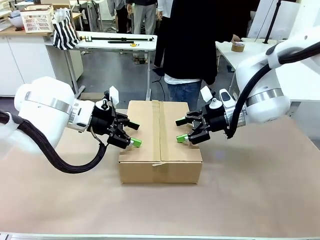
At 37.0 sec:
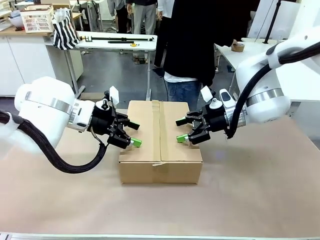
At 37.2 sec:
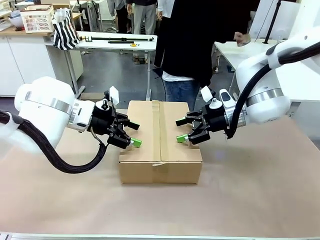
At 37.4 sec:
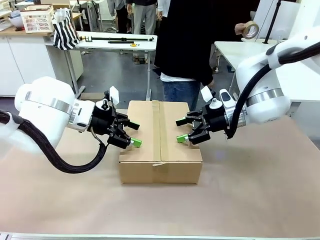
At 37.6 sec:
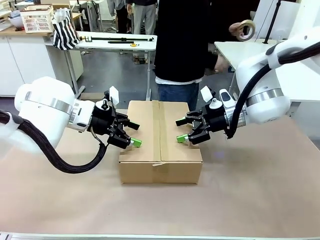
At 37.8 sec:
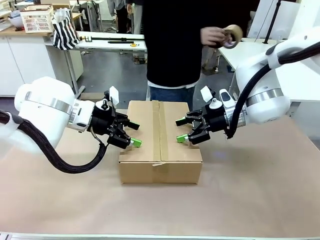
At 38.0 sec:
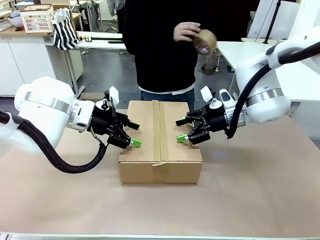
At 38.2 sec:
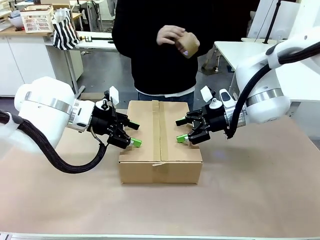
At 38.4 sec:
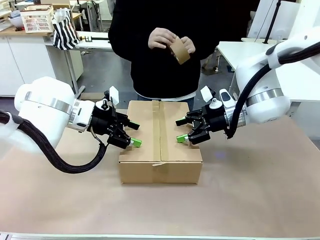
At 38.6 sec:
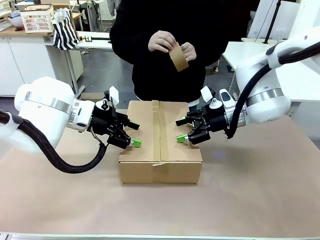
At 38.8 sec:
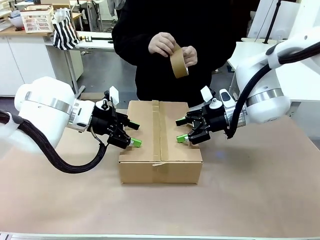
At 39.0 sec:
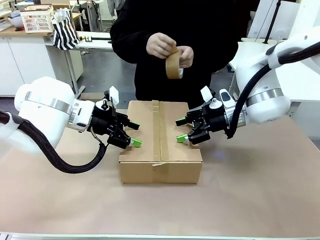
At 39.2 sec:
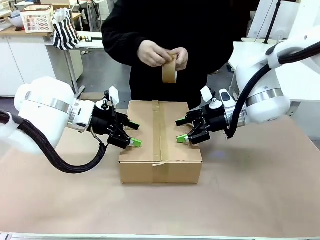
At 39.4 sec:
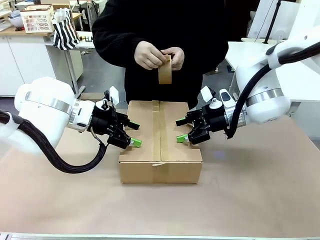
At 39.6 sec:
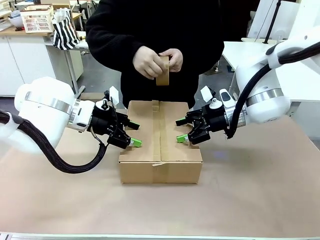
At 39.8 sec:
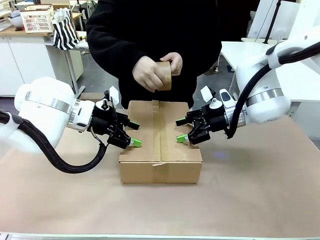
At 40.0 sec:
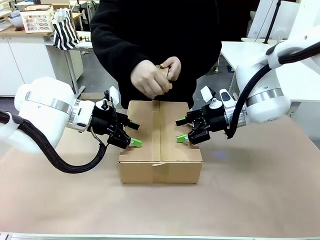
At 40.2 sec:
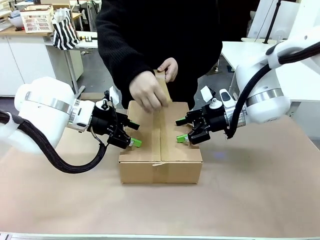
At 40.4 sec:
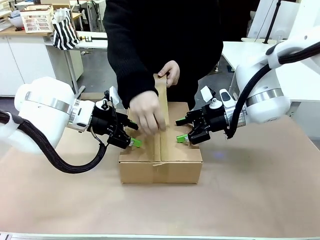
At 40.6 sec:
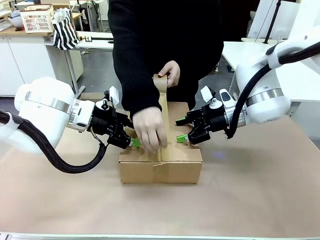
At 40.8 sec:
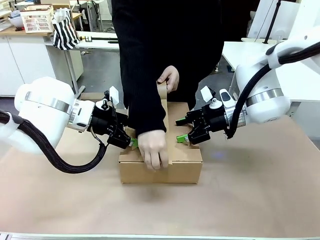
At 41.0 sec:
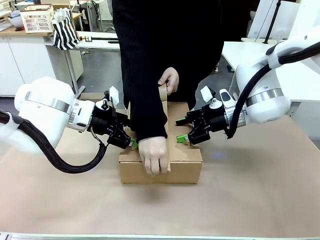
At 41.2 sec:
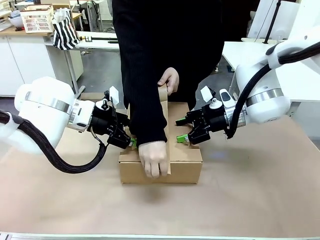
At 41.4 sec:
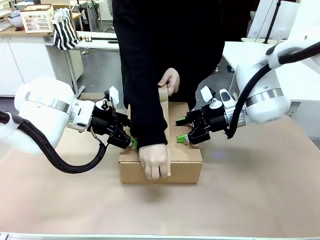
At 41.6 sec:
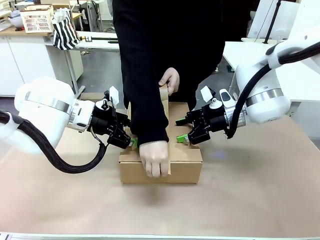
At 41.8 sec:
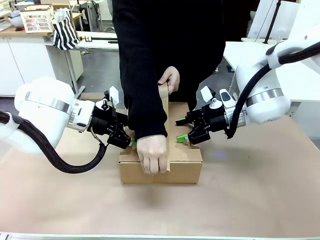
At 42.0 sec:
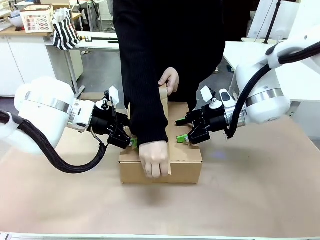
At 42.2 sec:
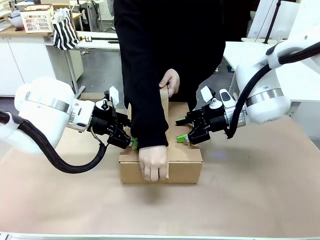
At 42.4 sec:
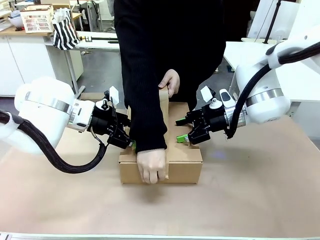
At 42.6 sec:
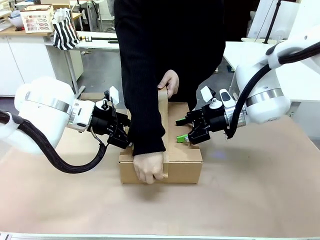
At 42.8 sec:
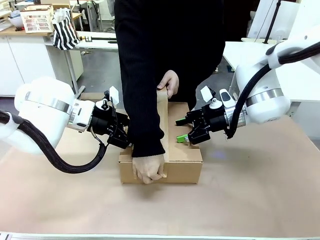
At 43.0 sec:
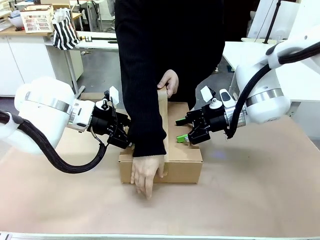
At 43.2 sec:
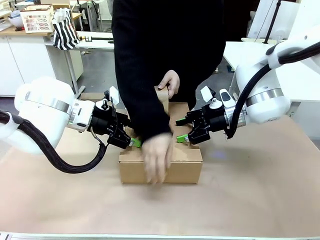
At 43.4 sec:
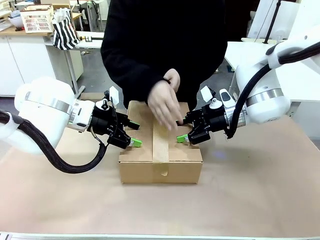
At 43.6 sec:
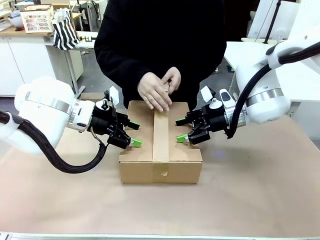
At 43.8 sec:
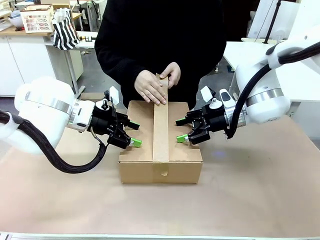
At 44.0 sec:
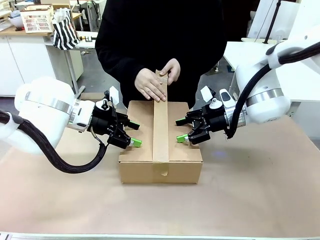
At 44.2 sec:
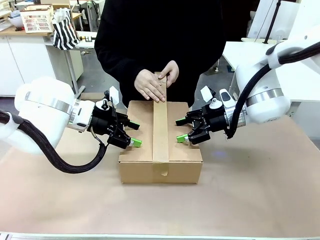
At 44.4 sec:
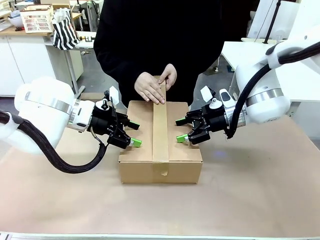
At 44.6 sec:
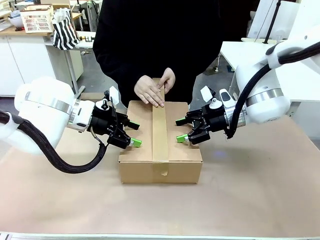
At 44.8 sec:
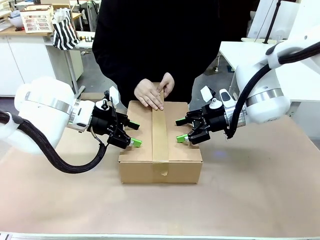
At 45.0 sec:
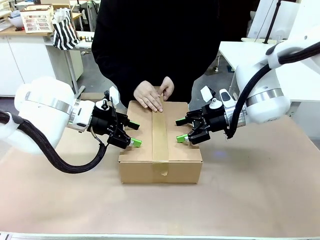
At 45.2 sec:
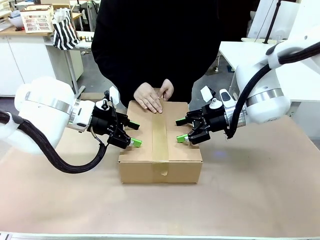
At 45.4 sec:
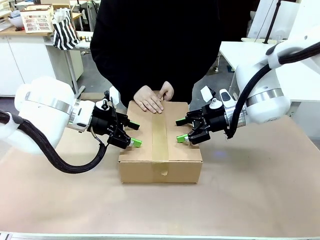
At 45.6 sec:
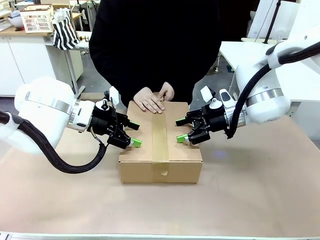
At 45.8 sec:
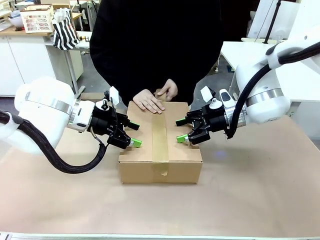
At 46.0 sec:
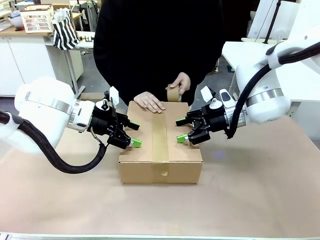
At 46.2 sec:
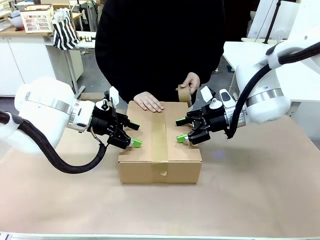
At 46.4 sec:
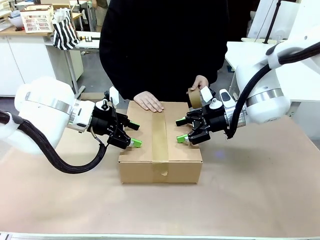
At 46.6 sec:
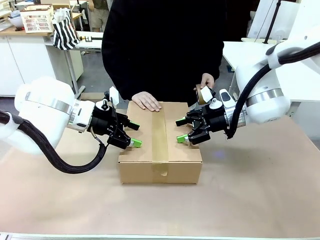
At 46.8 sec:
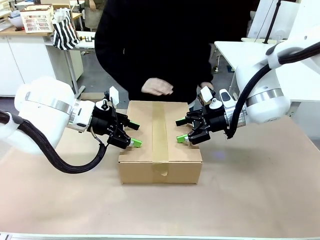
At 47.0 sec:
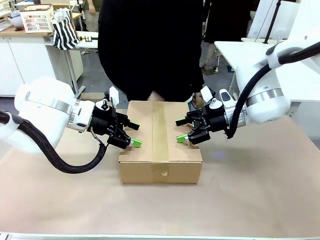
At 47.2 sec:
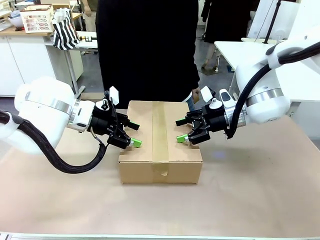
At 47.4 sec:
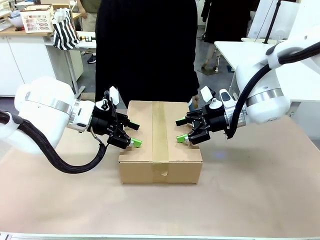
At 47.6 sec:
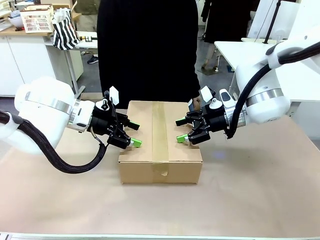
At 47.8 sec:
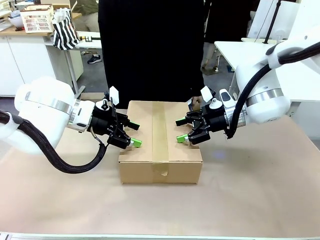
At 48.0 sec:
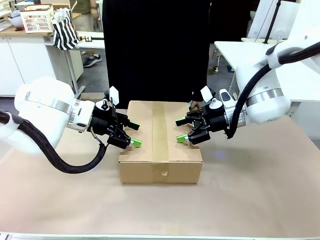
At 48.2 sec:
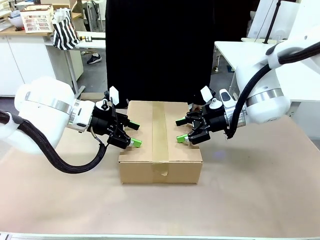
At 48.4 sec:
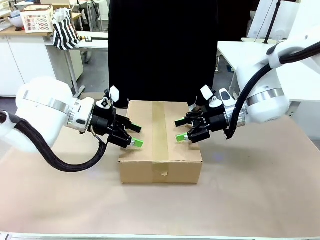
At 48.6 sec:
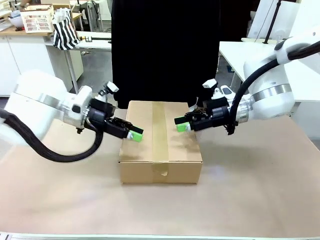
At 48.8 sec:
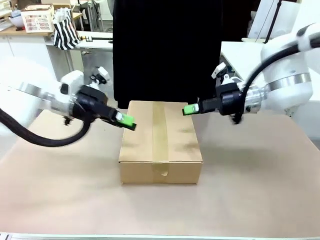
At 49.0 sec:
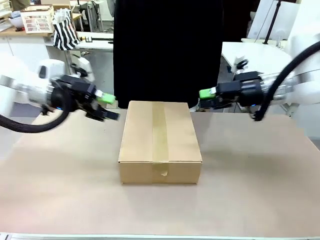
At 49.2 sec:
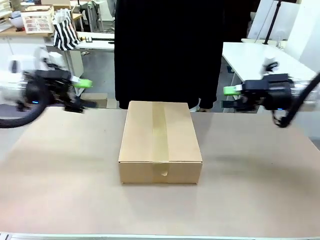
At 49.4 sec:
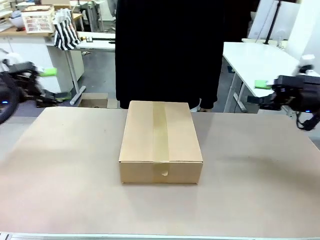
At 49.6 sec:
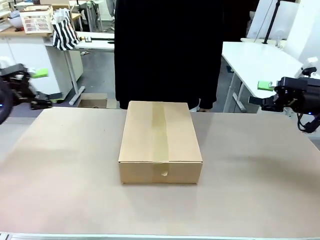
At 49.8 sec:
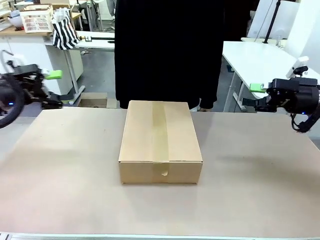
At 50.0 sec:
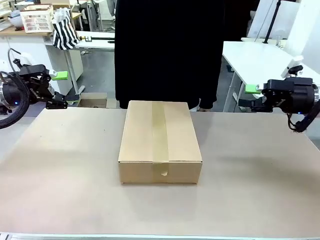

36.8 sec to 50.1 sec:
Task: Pack the gift set into the box.
Robot: Press and hold the closed box until the human finishes sealing it.
Person: The human picks up the paper tape from the human table and packs the box.
